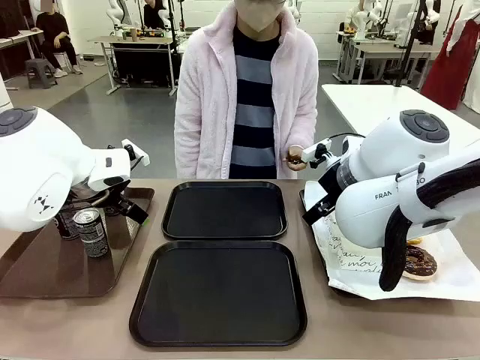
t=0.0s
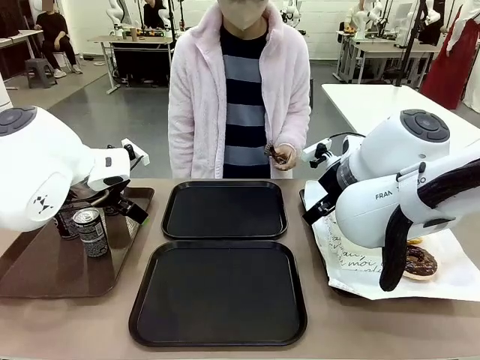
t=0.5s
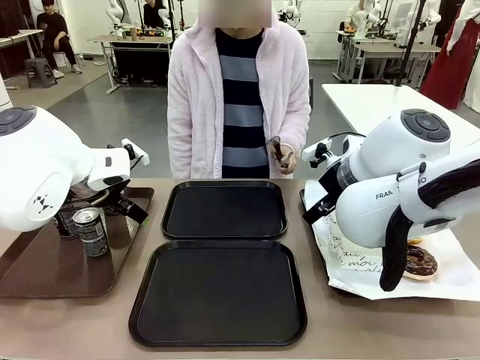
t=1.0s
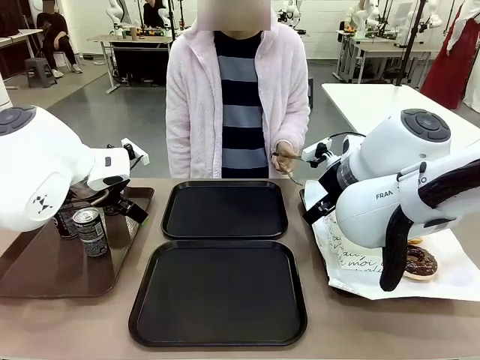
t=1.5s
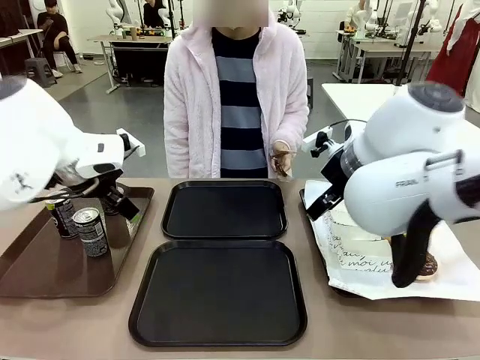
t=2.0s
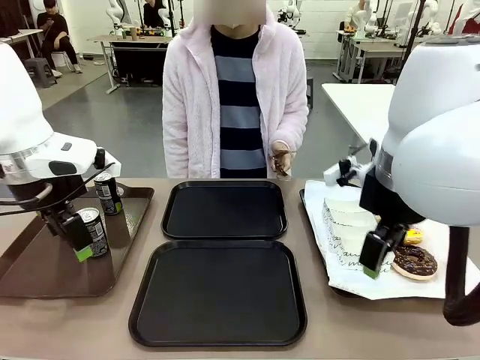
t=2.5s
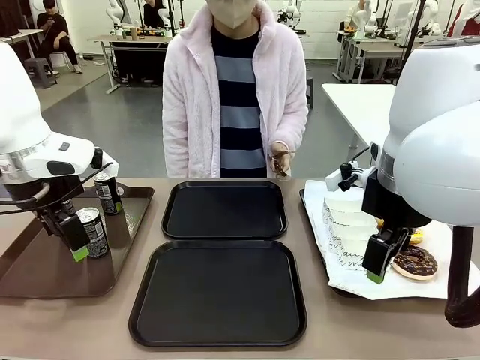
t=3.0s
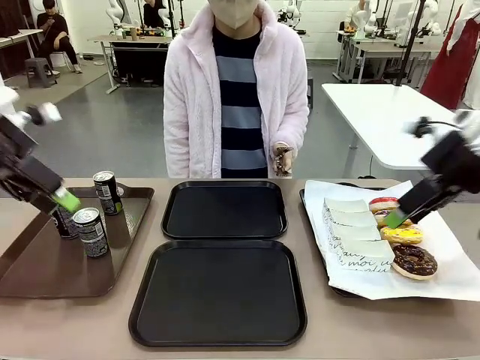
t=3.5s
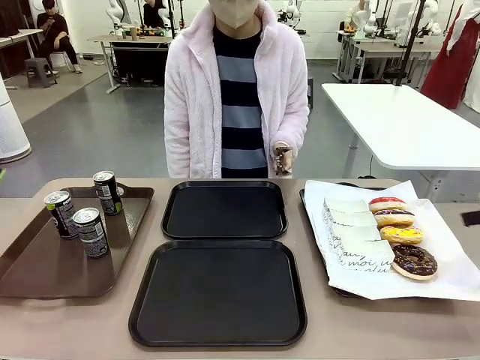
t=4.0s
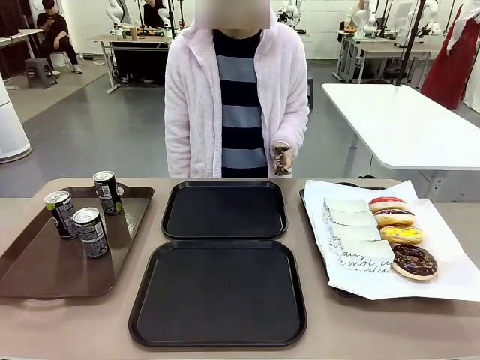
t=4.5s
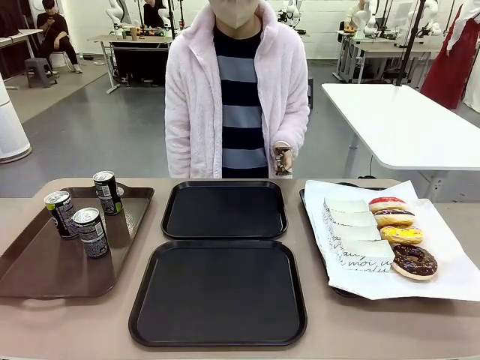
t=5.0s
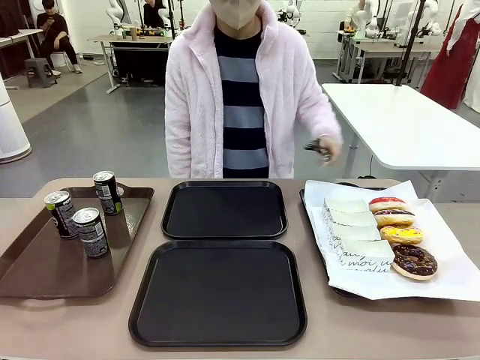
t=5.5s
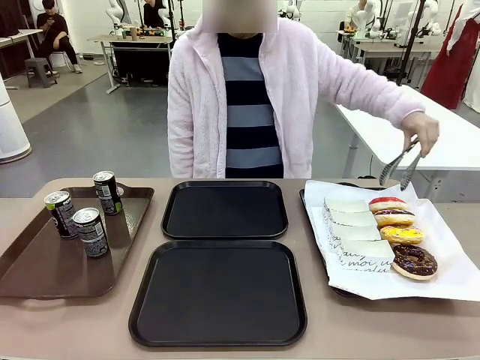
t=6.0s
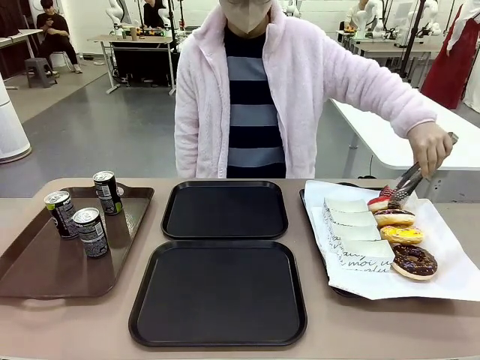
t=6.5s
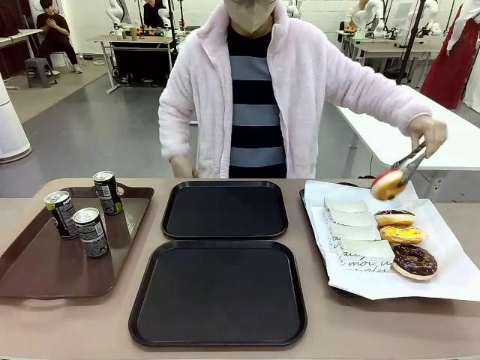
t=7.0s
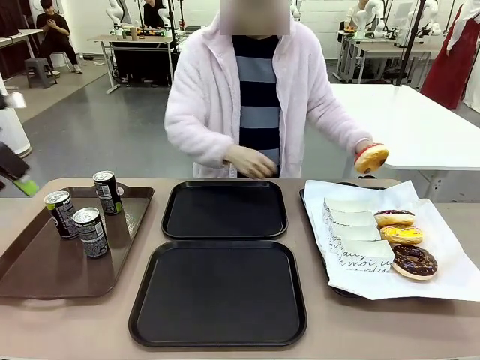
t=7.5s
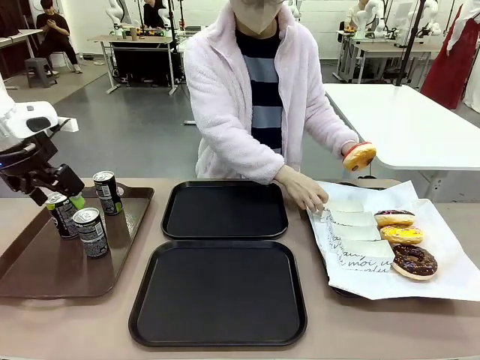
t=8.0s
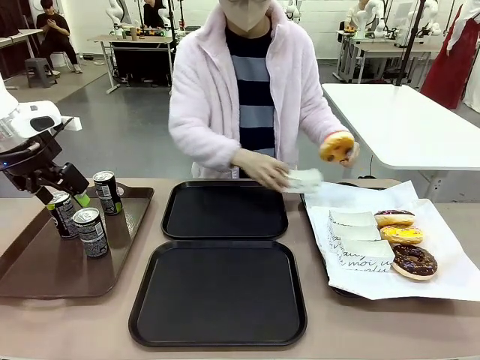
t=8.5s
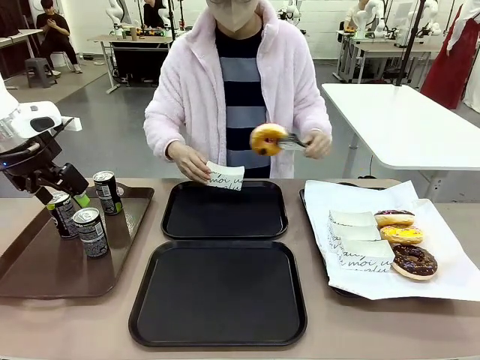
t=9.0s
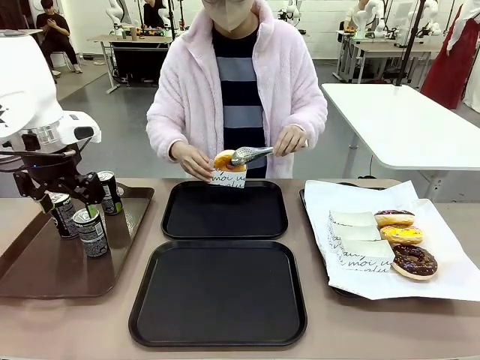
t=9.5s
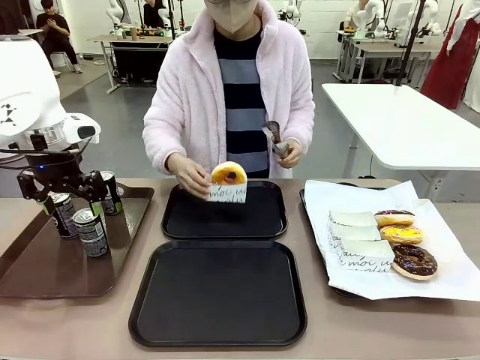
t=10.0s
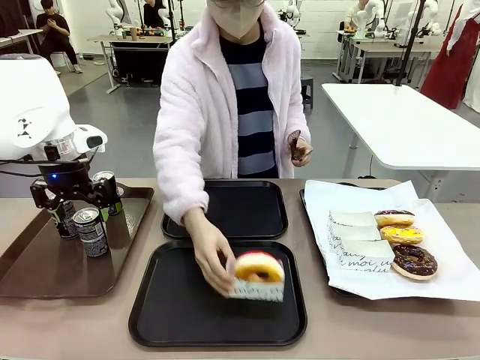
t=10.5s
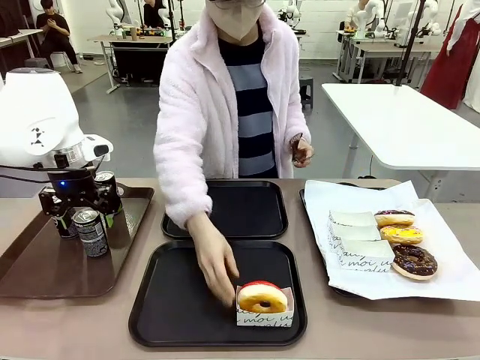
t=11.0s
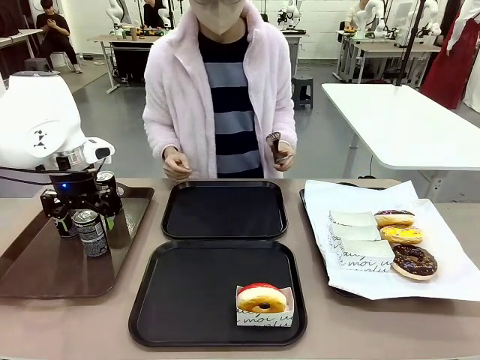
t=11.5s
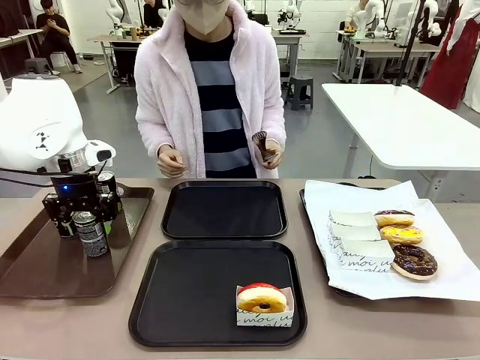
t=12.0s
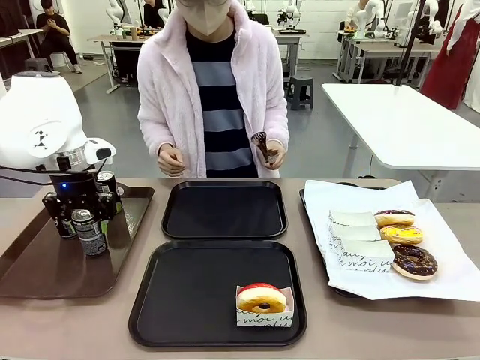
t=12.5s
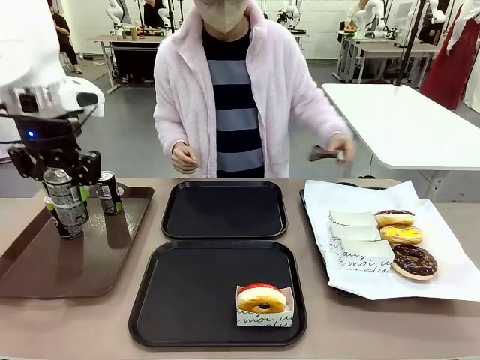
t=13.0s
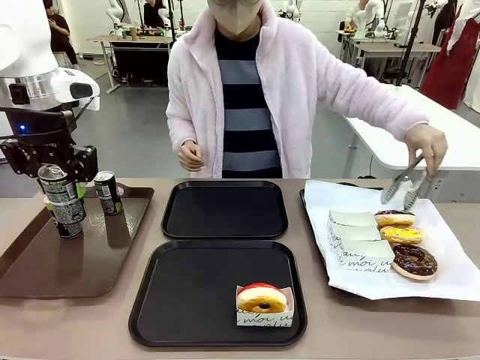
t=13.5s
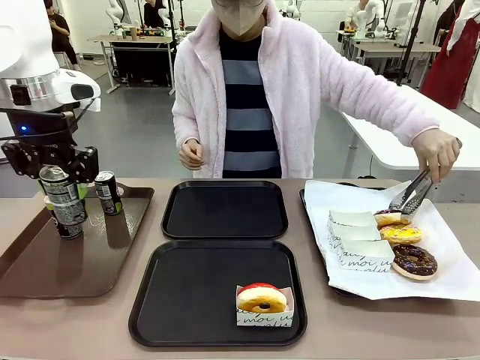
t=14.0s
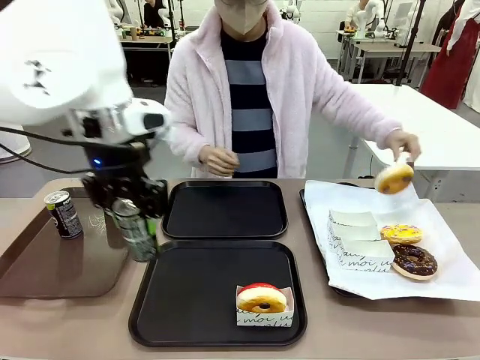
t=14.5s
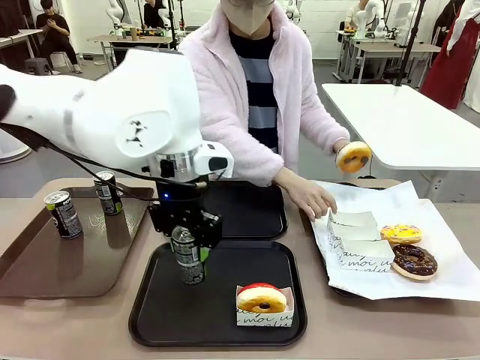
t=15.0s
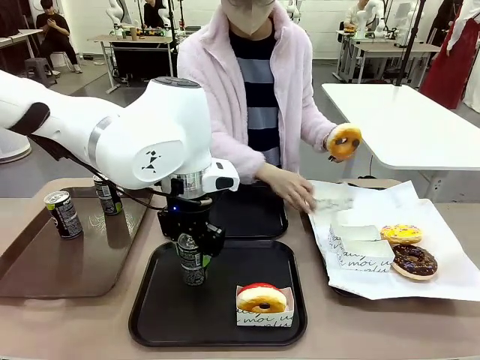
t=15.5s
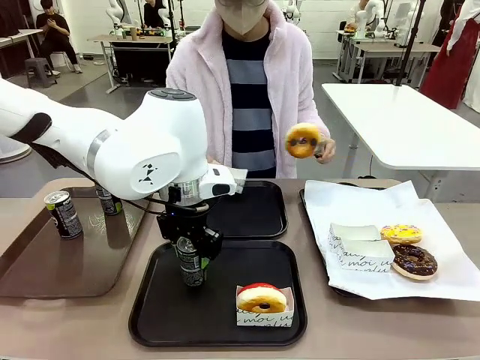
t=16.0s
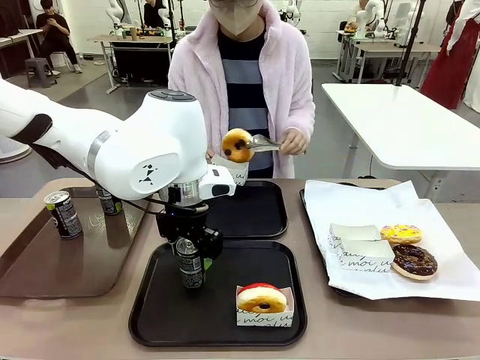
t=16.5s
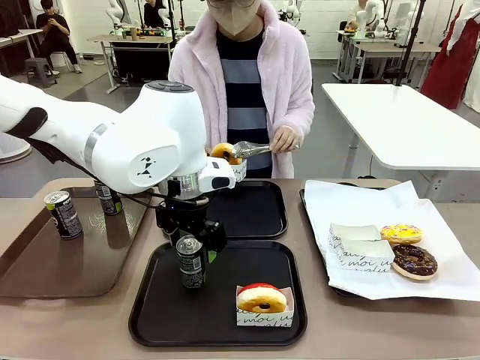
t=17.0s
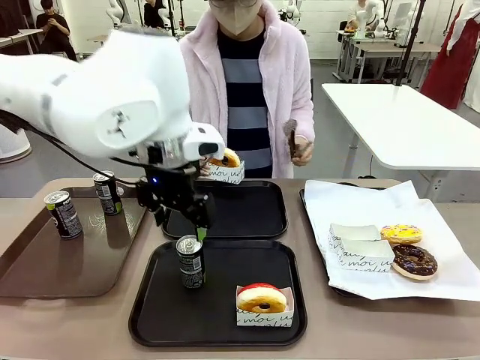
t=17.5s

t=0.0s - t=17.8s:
Task: Set up donuts and drinks on trays.
Robot: Pick up one Pepsi coke and place it on the Flat Tray.

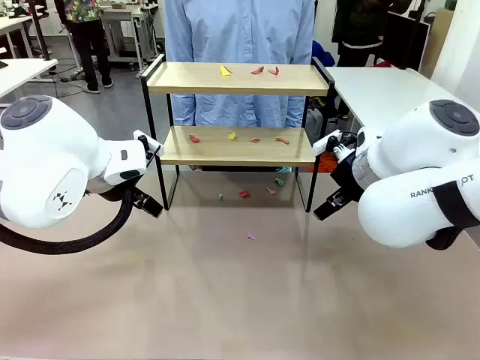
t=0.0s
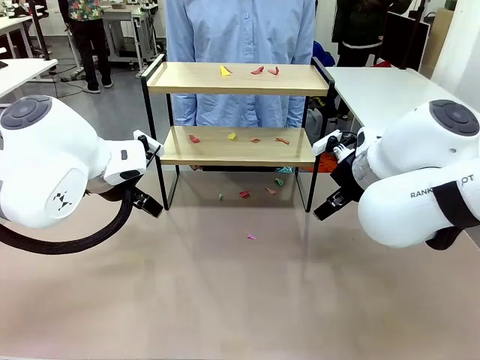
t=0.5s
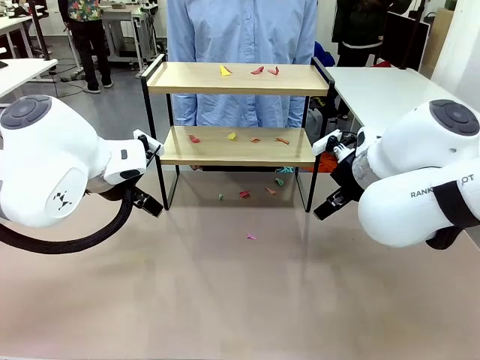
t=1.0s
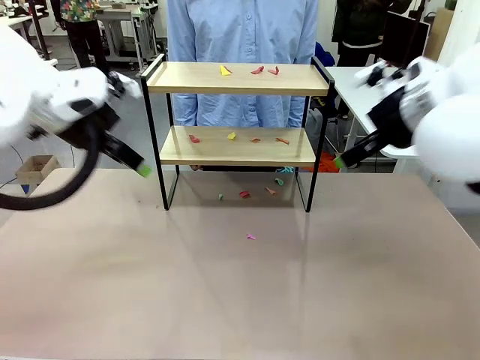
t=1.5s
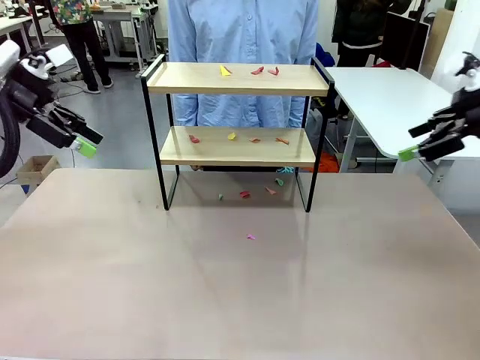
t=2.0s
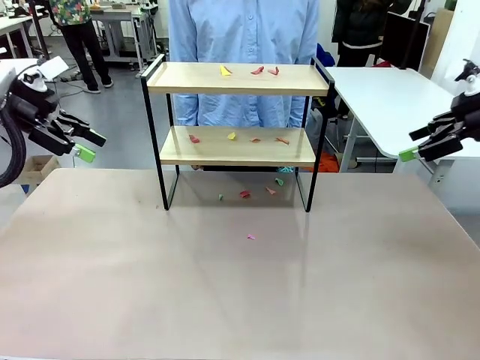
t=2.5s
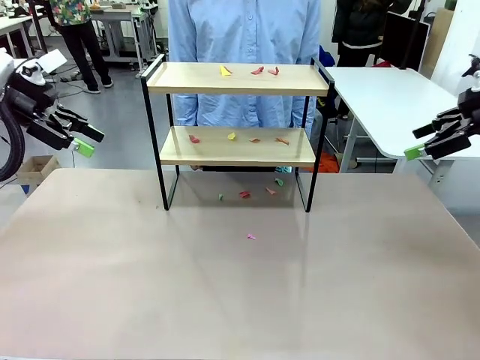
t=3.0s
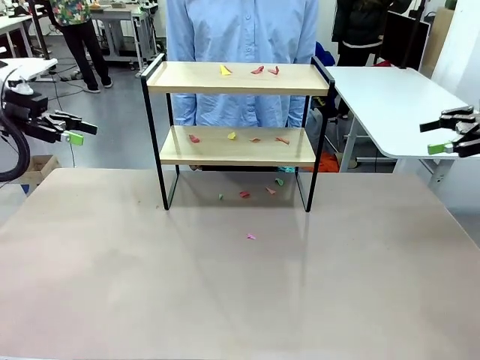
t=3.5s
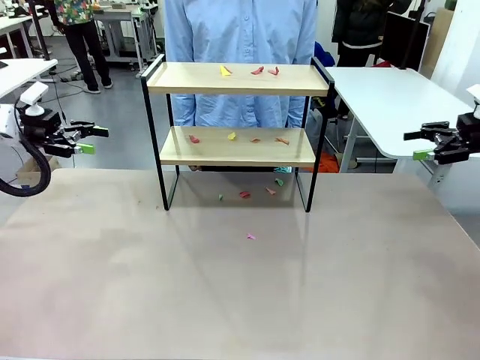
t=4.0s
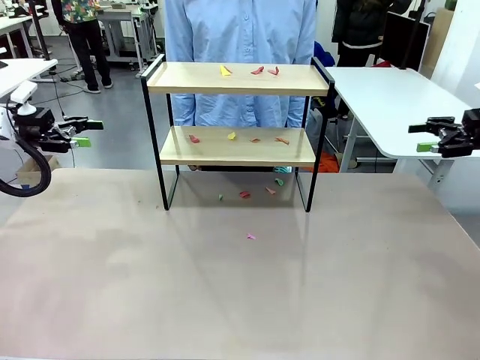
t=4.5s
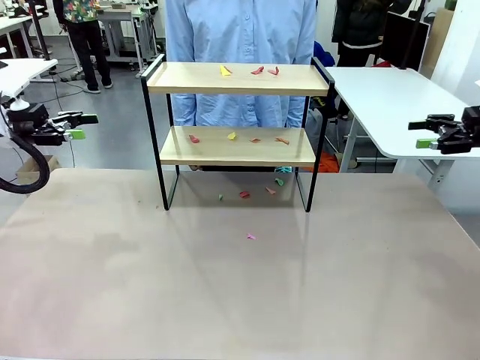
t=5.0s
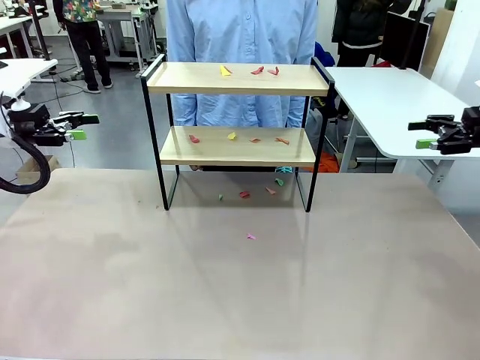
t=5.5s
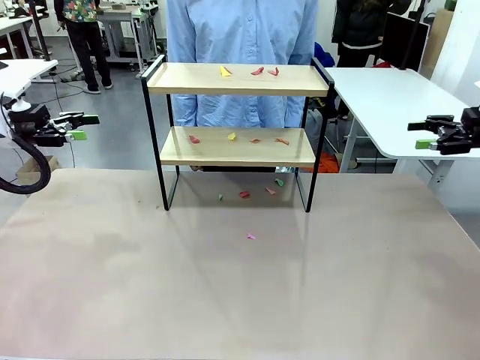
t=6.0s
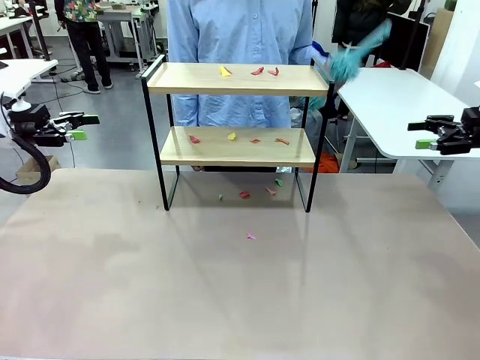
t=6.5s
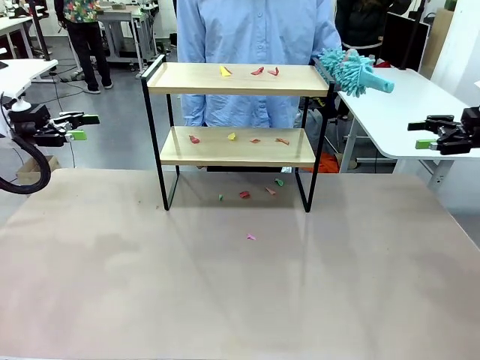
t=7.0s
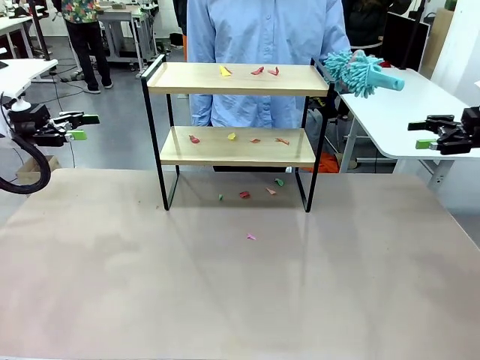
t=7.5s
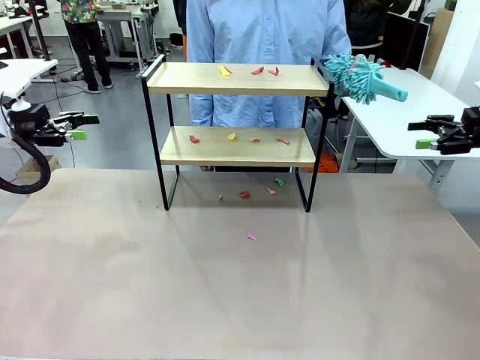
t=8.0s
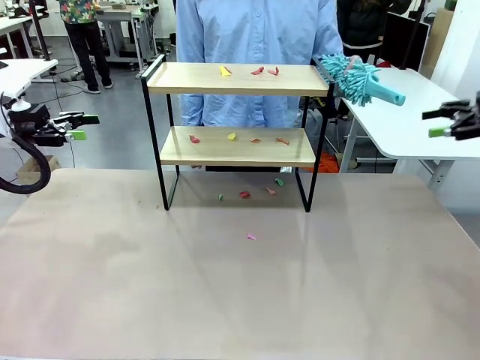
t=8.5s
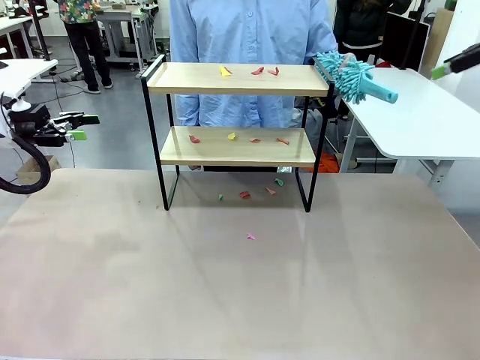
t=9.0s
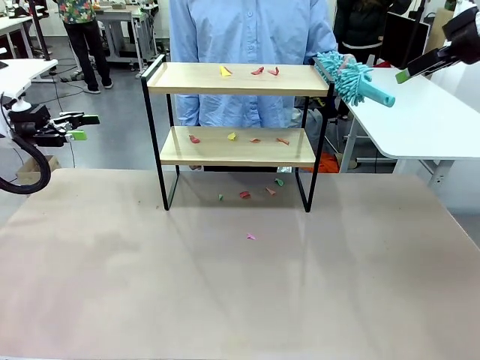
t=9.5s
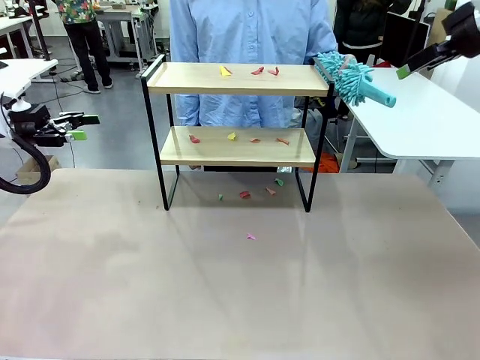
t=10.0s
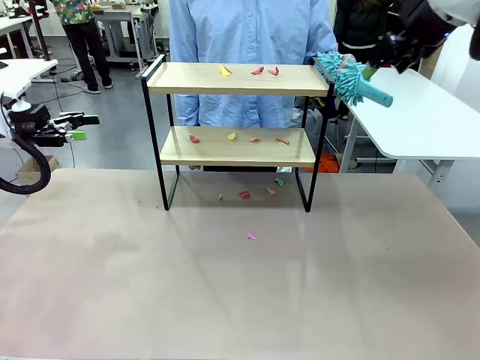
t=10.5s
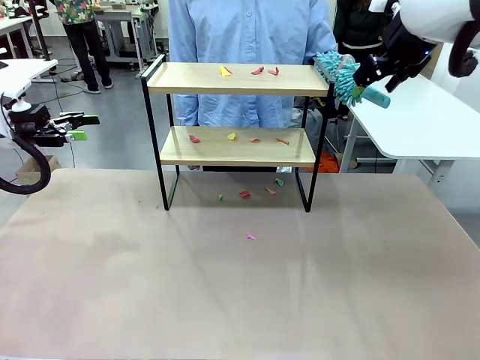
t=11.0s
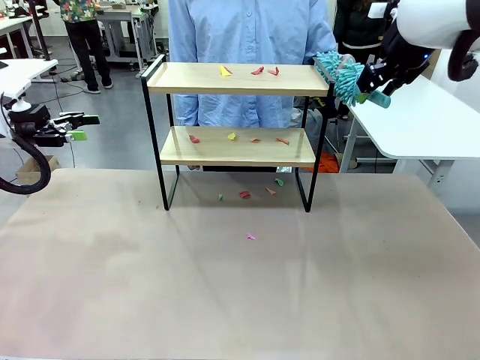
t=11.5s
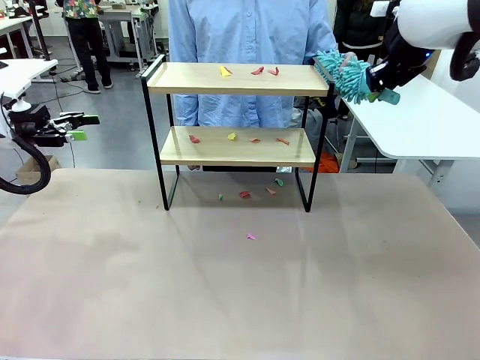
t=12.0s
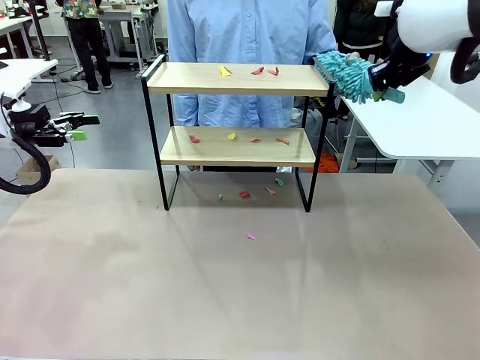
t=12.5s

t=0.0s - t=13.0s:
Task: Clean the shelf.
Robot: Pick up the Duster handed by the human.
Person: Hand the Duster to the robot.
